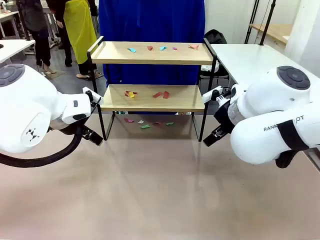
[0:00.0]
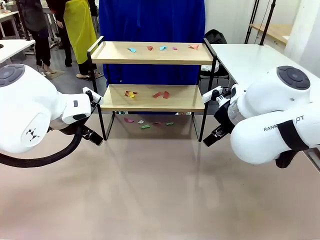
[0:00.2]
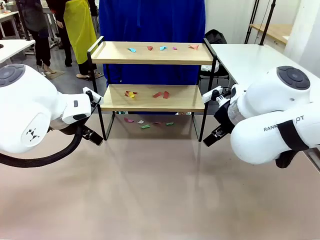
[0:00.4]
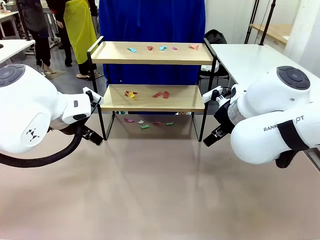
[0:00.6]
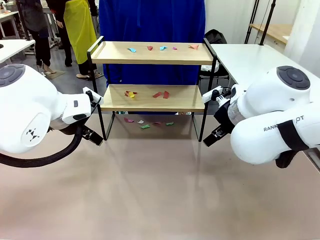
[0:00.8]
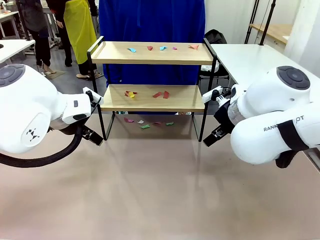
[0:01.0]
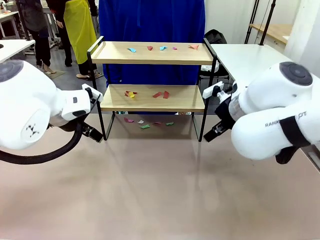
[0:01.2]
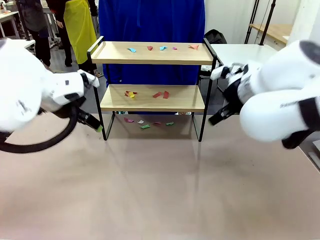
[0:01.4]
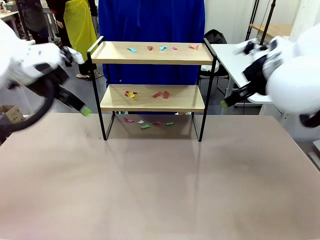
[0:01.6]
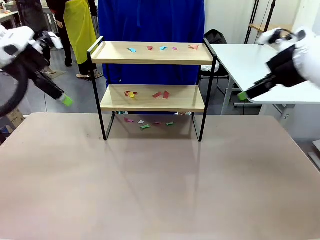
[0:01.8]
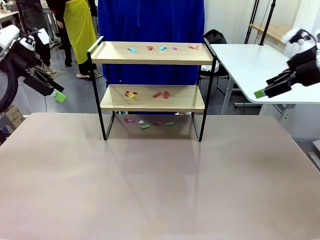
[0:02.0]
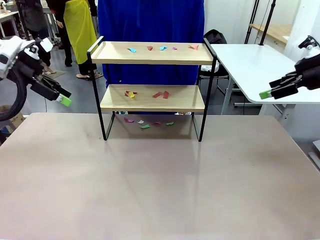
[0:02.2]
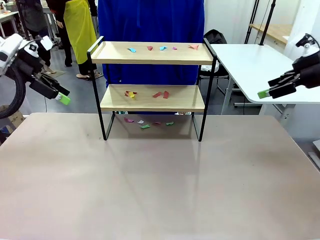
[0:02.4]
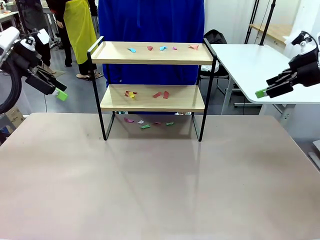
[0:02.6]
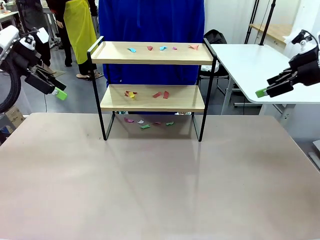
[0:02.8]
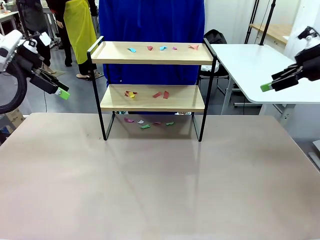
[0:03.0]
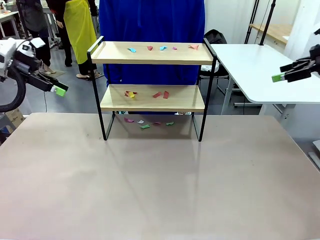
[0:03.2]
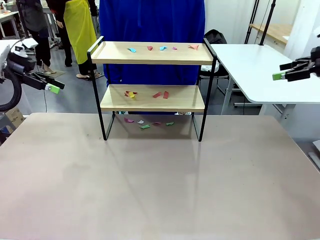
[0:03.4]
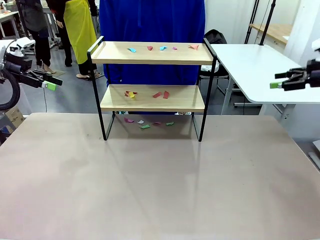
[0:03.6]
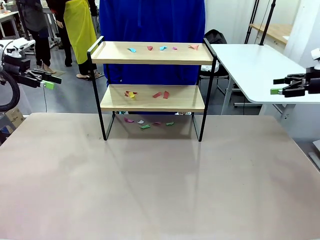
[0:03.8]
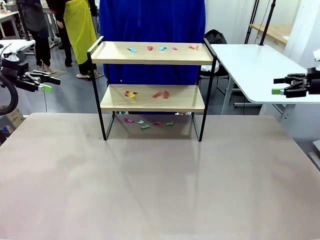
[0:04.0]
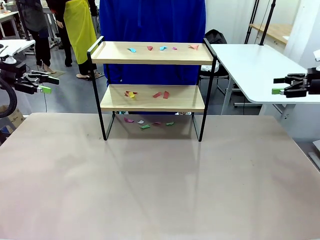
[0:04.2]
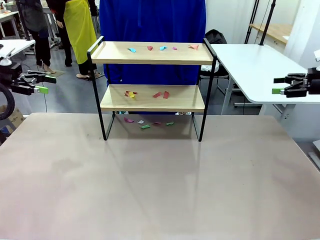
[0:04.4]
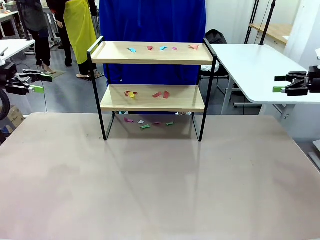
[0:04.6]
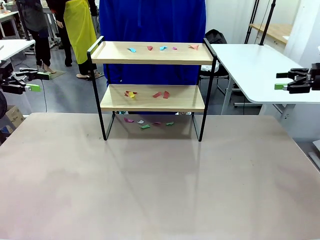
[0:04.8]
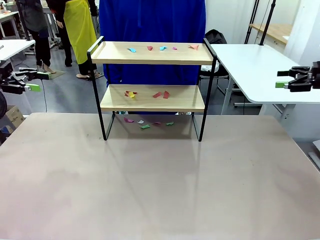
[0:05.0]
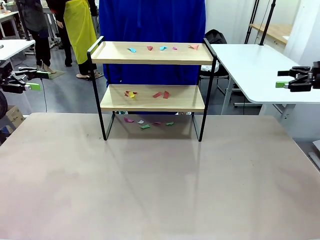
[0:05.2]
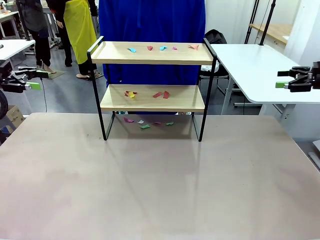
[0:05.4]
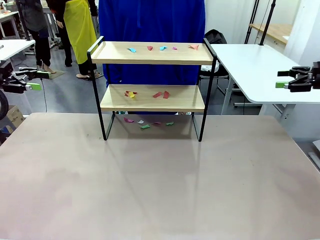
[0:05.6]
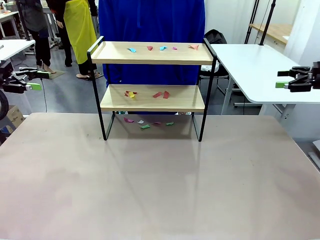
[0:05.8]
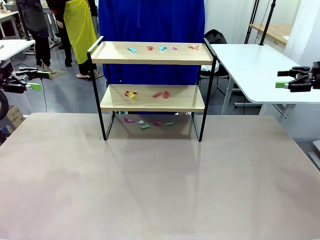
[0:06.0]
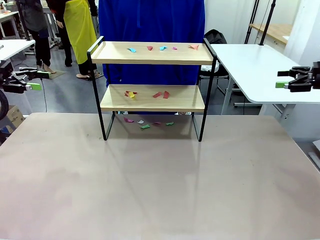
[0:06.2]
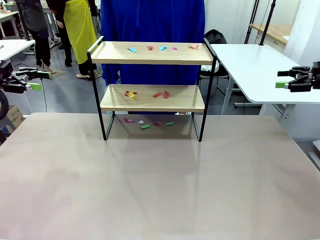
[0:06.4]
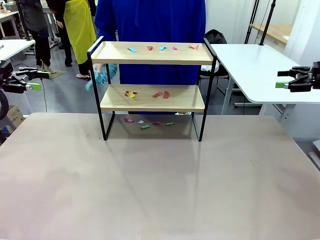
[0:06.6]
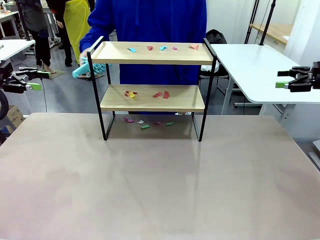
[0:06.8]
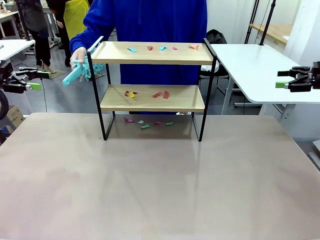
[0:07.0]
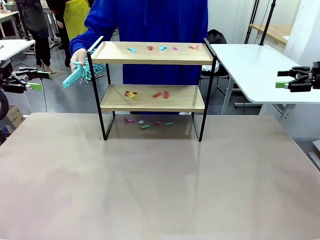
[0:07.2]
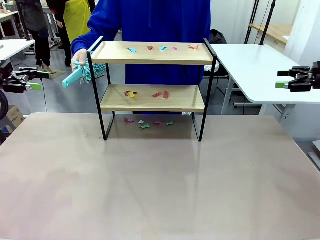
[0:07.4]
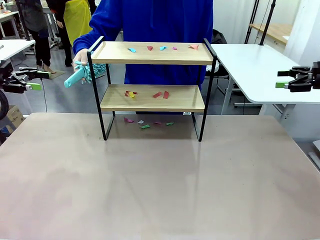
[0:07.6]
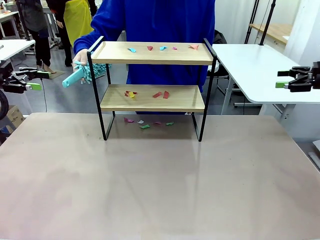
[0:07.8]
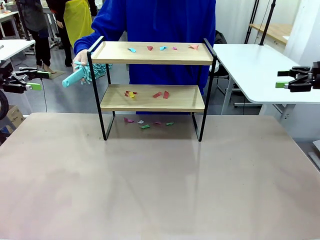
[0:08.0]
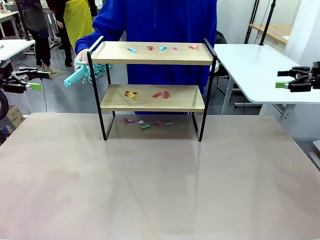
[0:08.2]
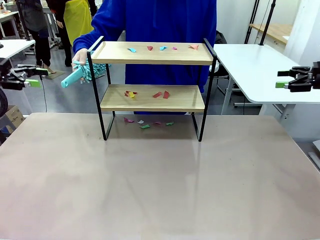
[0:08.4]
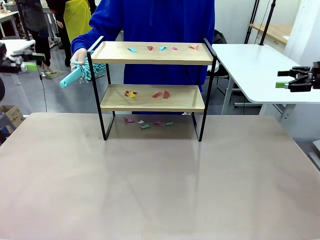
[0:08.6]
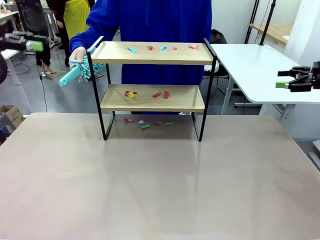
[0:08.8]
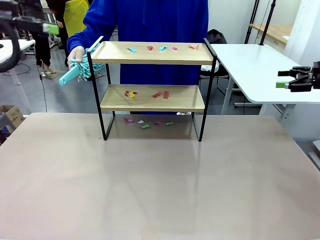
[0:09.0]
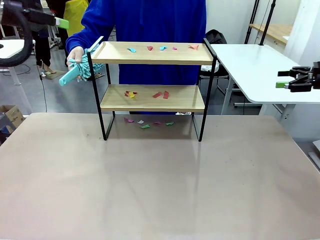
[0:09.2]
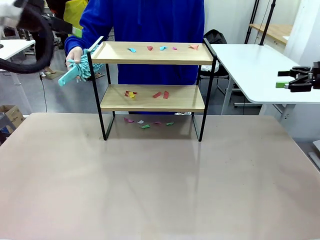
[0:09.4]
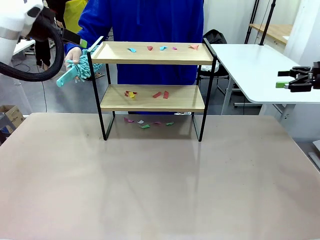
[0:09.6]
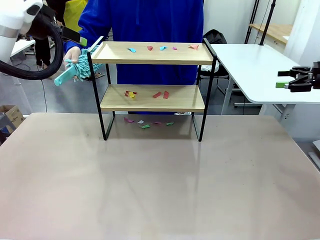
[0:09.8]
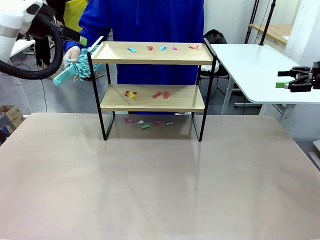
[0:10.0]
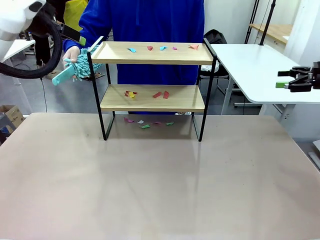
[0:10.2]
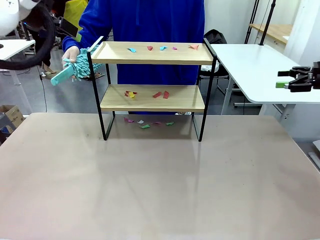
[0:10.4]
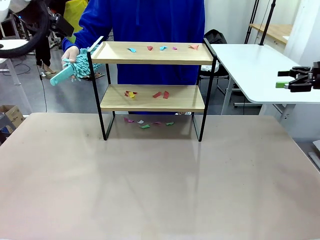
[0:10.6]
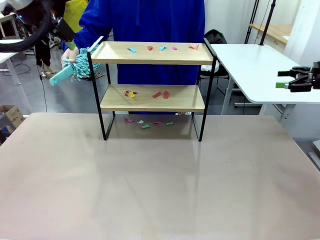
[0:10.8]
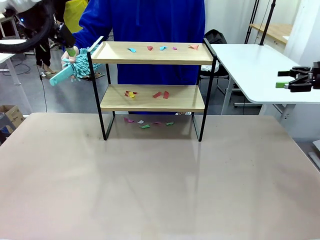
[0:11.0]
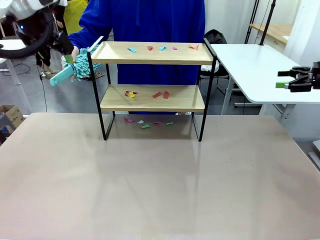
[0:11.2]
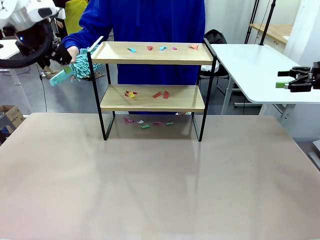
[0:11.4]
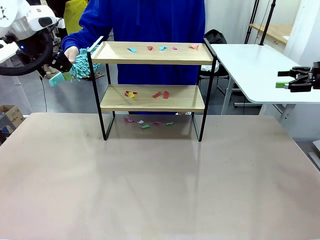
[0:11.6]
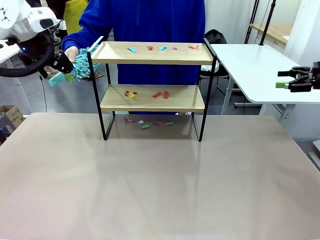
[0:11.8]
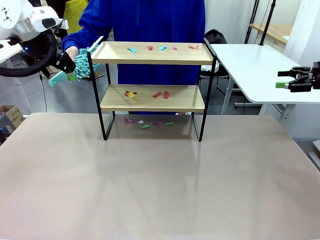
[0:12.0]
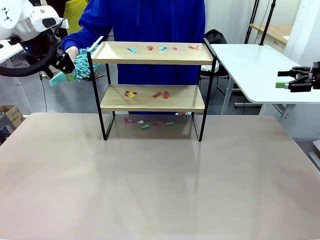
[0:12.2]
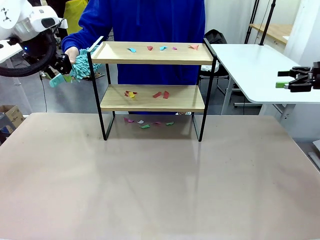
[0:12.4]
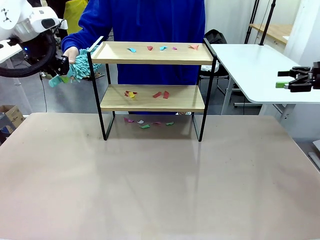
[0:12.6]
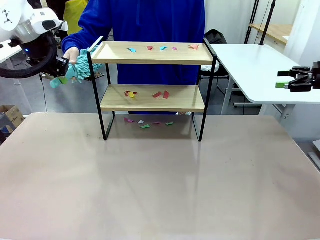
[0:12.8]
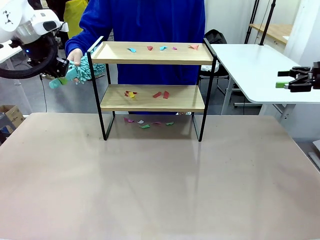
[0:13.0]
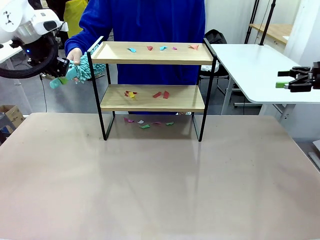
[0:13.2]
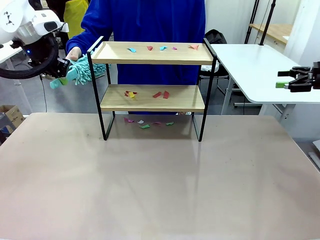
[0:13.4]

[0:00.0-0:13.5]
Task: Clean the shelf.
Robot: Pick up the Duster handed by the human.
Person: Hand the Duster to the robot.
